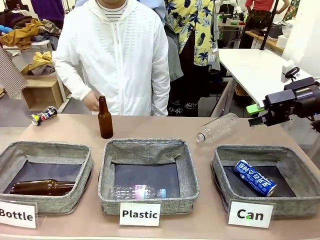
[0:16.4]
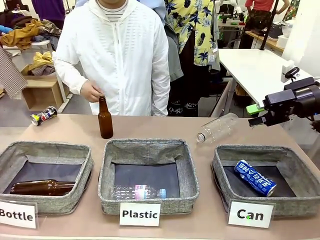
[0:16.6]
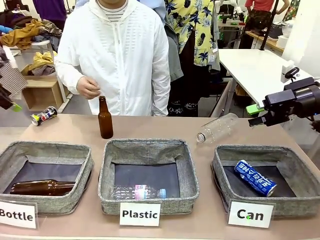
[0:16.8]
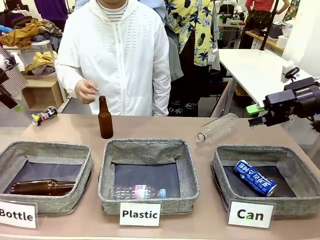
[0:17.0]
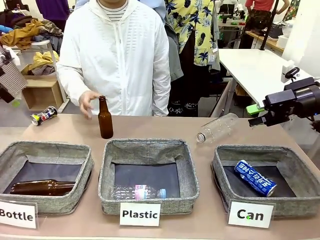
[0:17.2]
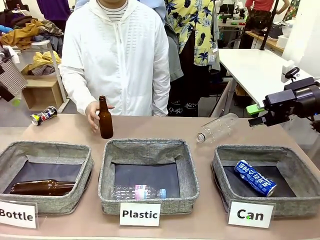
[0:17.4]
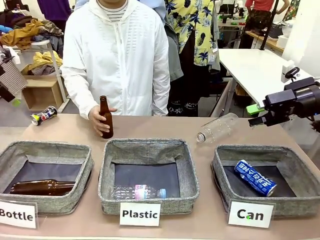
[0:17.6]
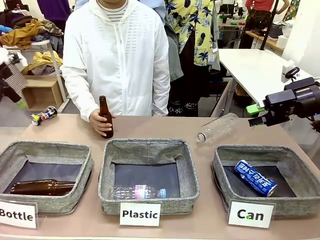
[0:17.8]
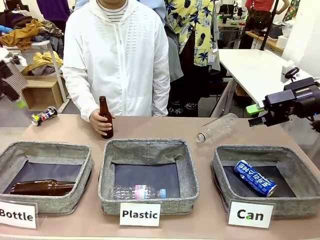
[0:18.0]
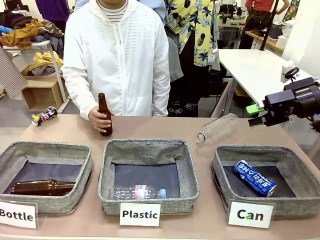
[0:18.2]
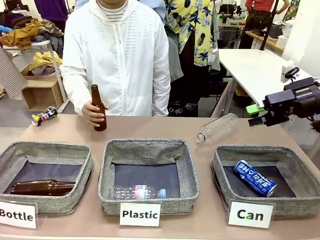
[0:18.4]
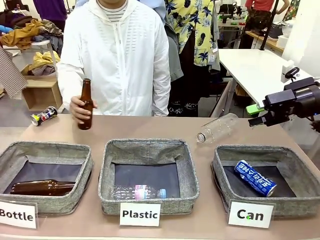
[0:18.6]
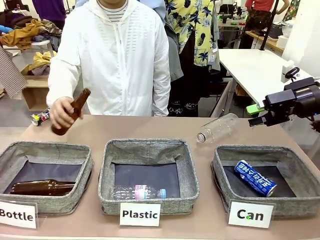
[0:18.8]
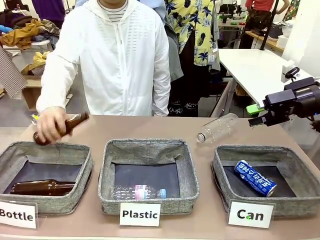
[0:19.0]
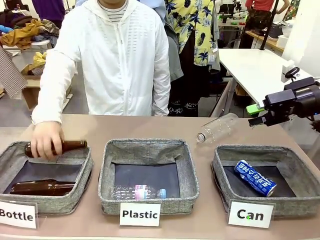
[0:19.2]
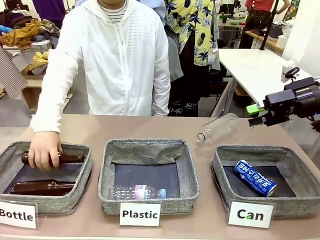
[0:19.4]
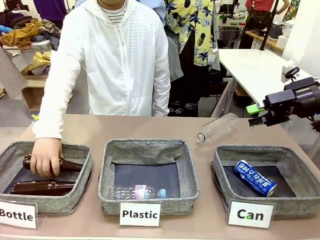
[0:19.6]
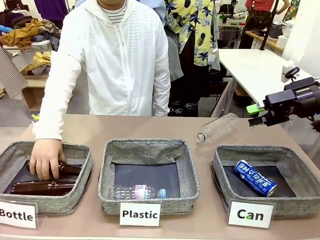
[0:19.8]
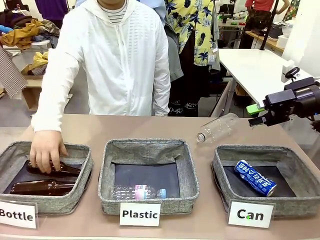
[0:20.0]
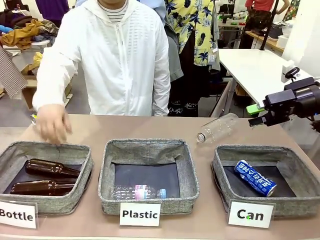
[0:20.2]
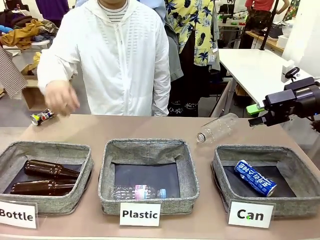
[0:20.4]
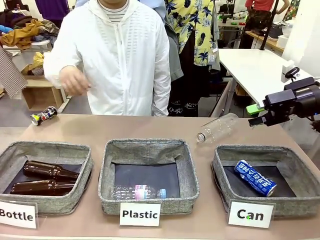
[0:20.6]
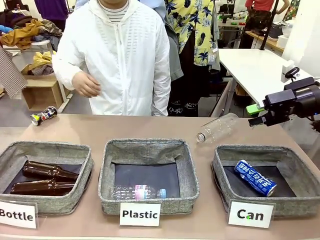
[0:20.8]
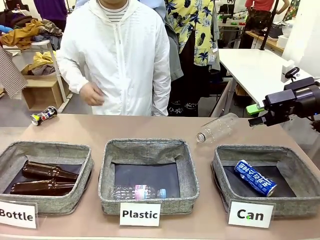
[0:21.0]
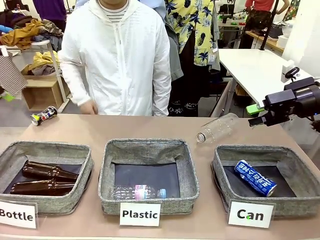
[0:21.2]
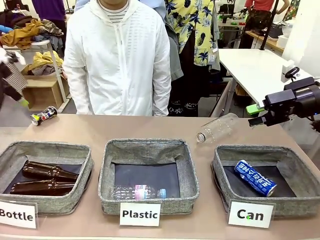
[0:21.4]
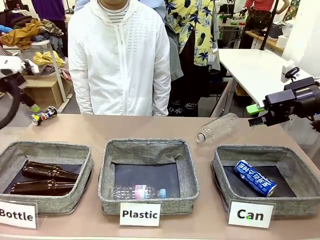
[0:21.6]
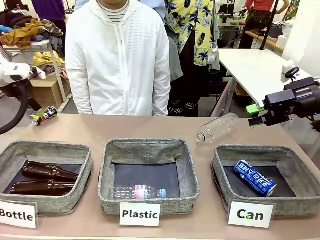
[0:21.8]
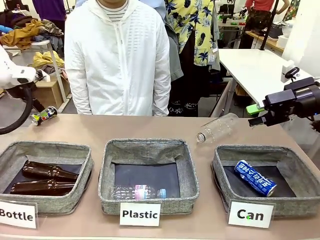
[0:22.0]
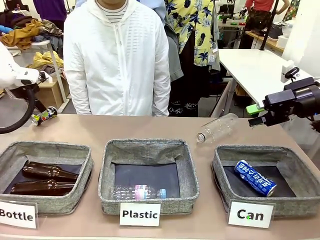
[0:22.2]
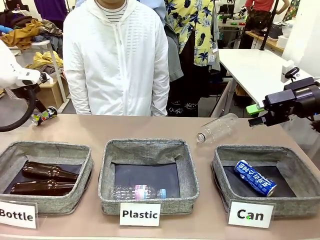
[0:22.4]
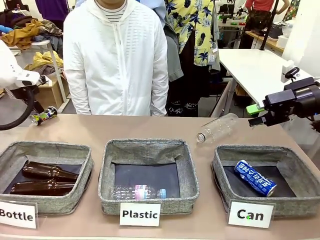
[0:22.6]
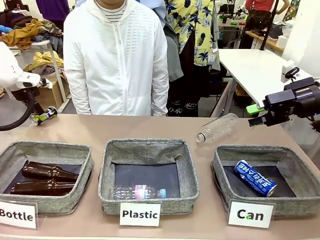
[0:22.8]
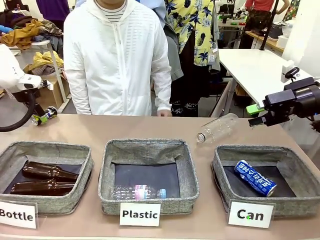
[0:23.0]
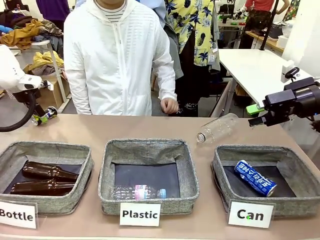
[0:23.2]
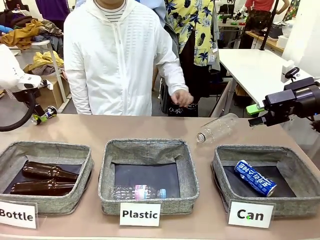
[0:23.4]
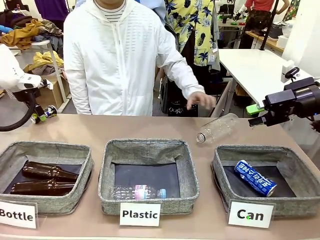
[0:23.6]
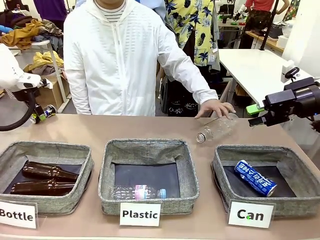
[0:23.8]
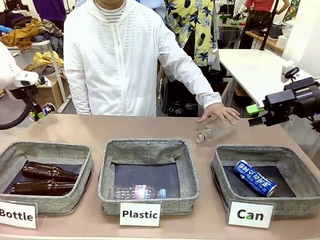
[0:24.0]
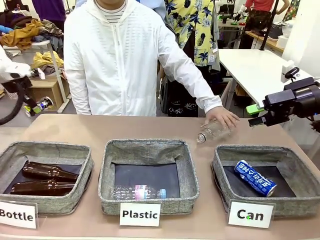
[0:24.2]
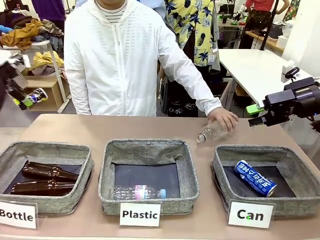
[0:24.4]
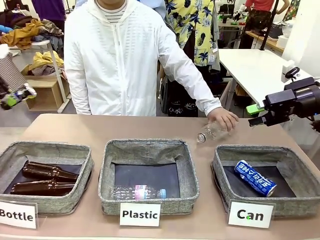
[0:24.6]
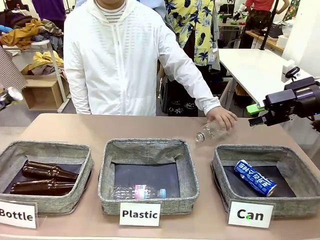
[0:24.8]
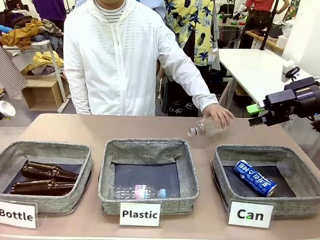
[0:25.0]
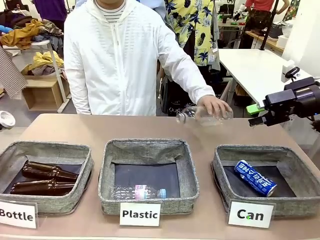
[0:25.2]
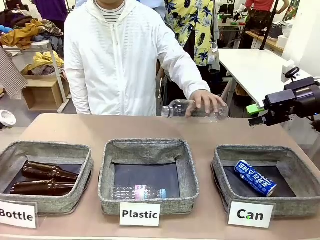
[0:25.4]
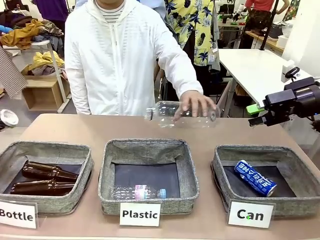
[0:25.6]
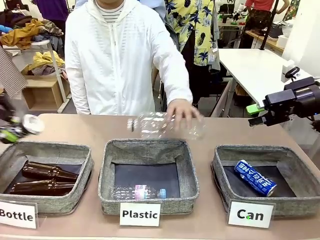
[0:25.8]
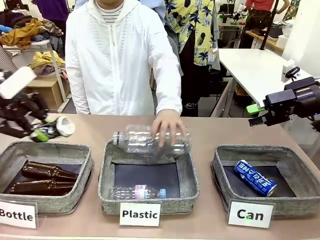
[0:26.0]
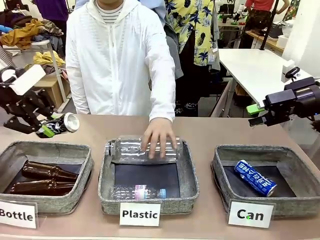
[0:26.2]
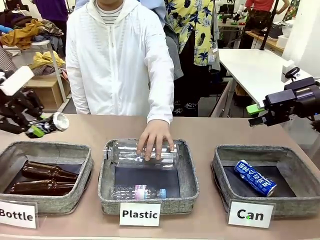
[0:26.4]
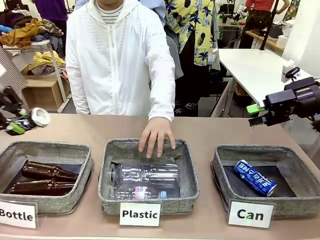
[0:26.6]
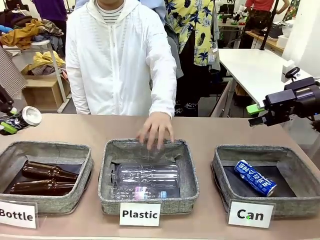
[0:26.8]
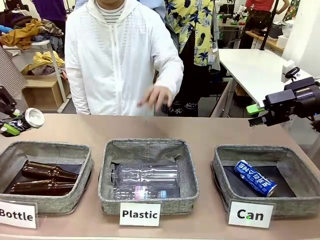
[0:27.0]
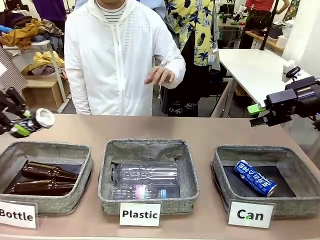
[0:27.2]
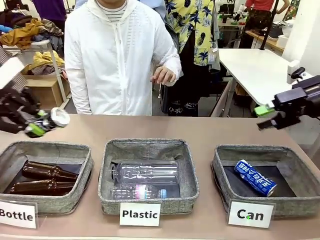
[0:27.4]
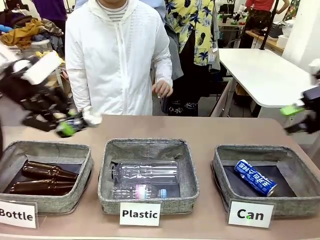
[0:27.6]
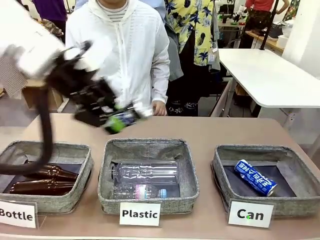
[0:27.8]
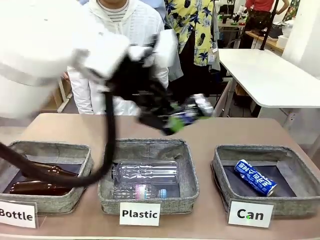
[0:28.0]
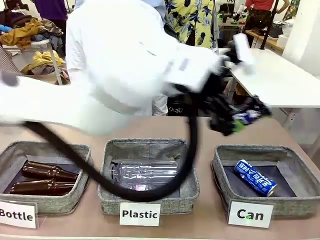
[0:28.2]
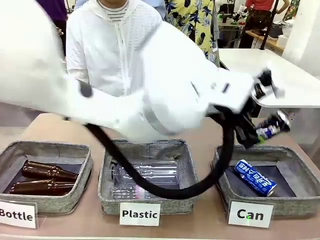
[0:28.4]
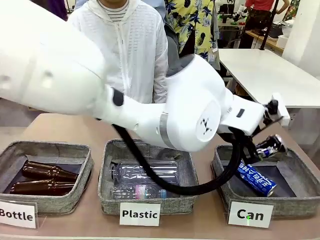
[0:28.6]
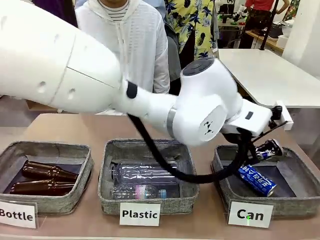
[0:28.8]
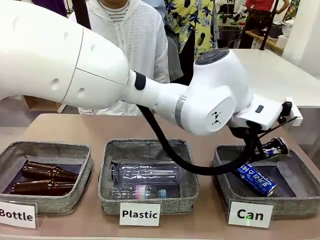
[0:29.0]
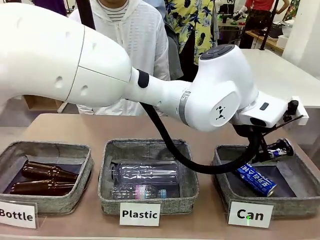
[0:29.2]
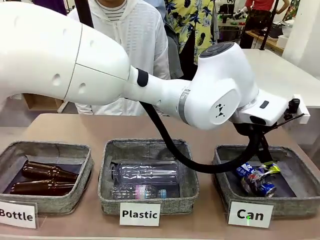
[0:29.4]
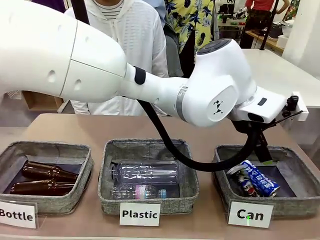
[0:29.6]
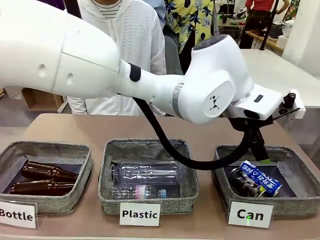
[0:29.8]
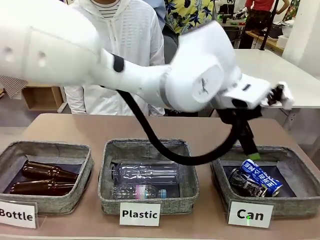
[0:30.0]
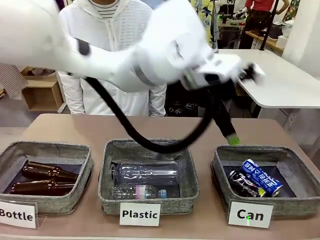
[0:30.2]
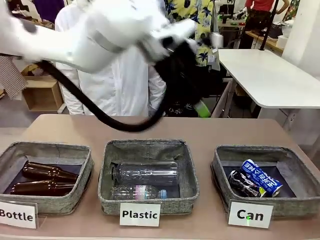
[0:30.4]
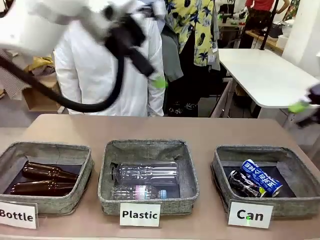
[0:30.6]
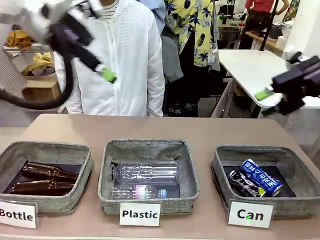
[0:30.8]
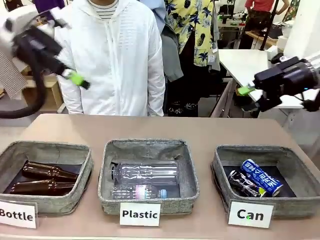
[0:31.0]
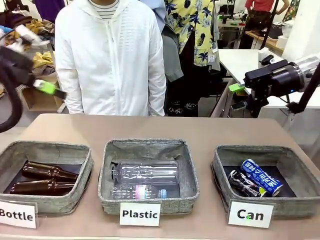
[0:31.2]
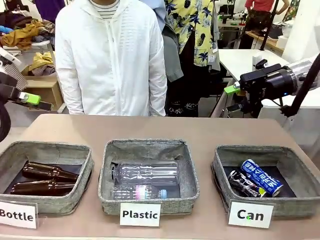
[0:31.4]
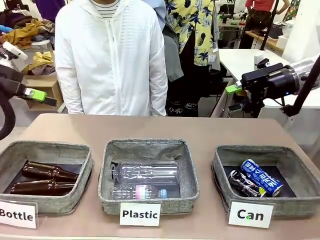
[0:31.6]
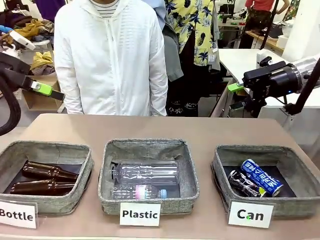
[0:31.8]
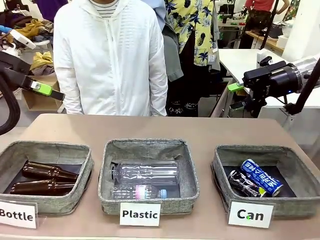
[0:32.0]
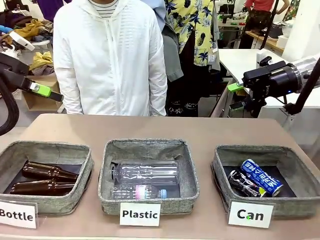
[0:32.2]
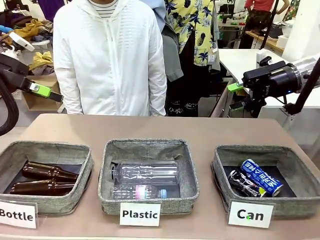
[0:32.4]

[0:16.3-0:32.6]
Task: Sort the can waste into the basket.
Robot: Pick up the can waste from the table and place it in the right Fabric basket.

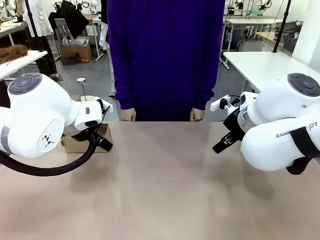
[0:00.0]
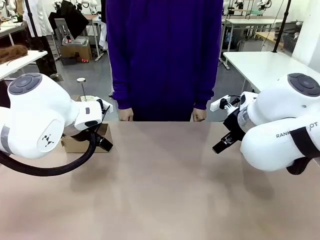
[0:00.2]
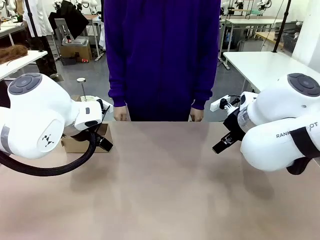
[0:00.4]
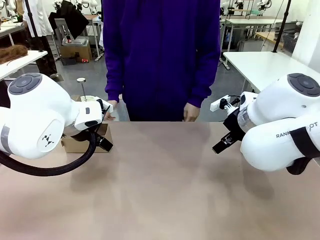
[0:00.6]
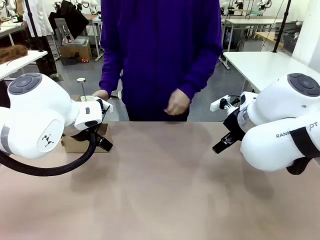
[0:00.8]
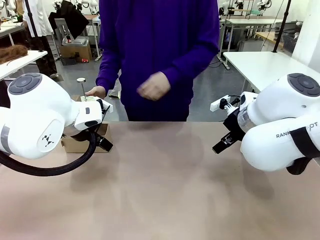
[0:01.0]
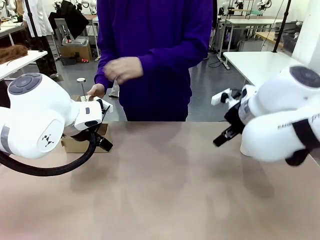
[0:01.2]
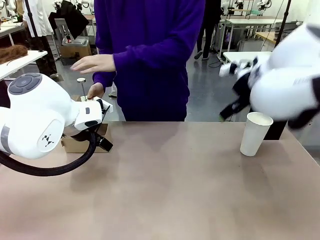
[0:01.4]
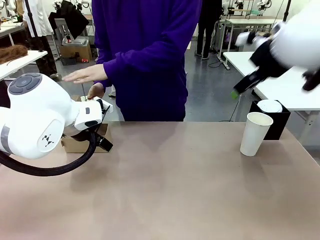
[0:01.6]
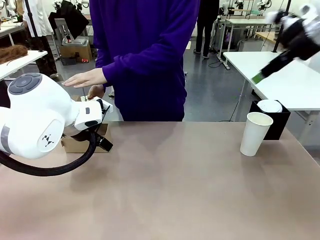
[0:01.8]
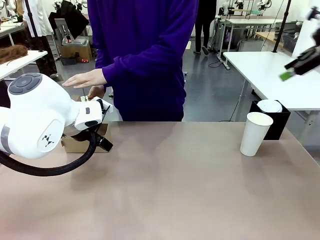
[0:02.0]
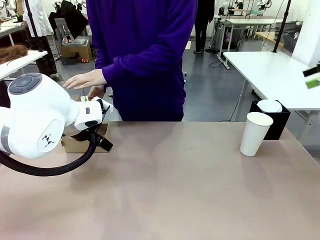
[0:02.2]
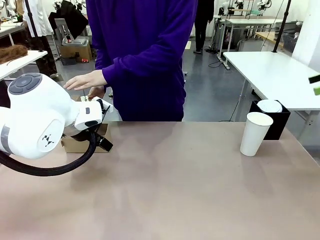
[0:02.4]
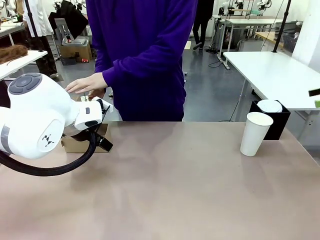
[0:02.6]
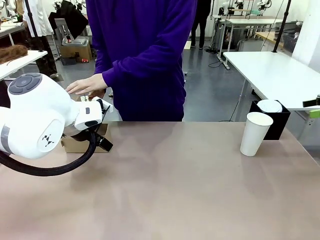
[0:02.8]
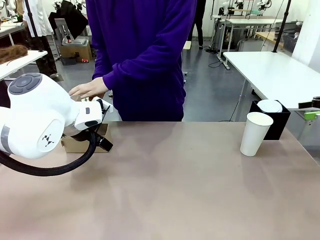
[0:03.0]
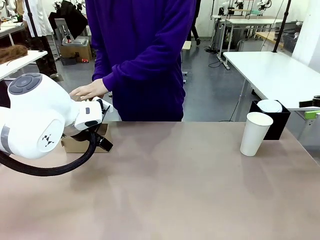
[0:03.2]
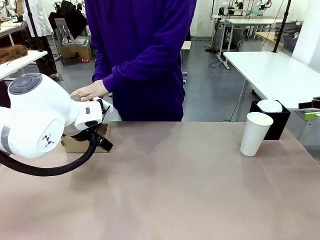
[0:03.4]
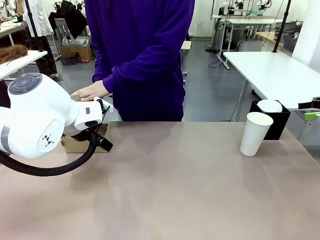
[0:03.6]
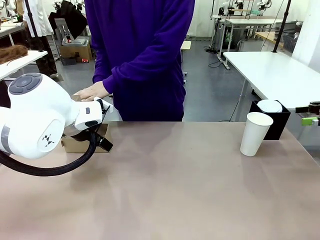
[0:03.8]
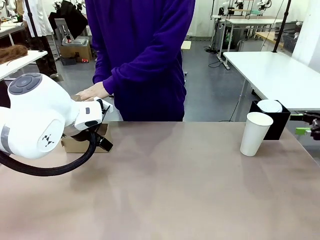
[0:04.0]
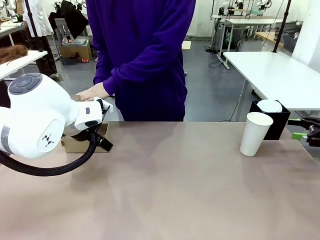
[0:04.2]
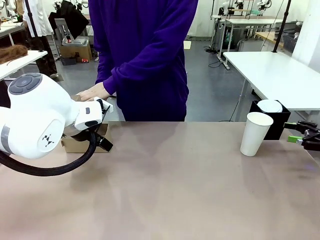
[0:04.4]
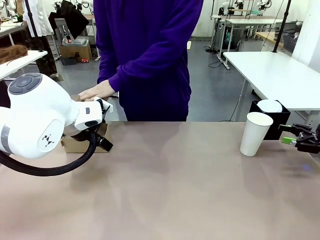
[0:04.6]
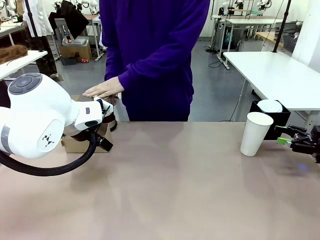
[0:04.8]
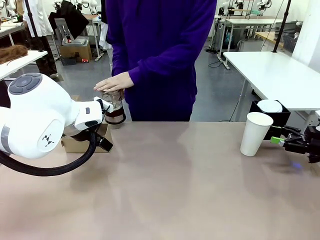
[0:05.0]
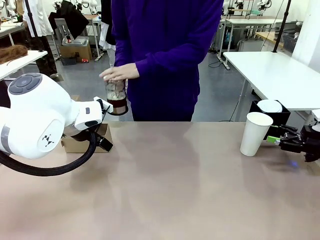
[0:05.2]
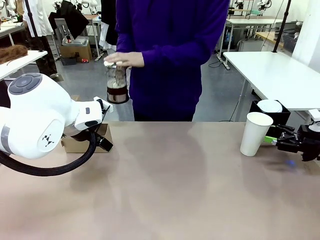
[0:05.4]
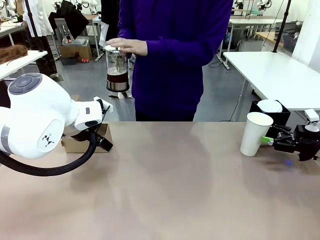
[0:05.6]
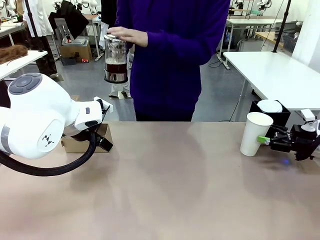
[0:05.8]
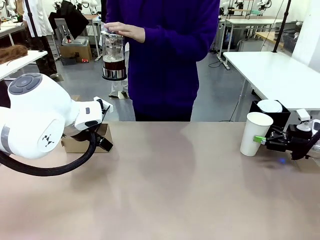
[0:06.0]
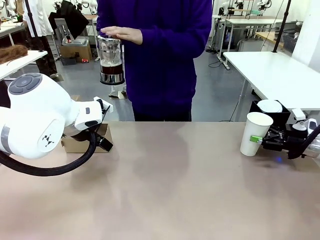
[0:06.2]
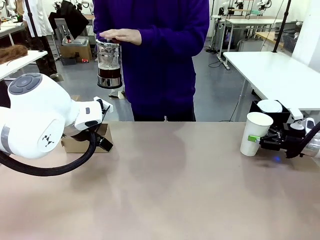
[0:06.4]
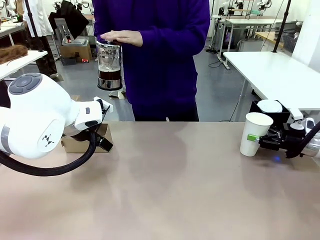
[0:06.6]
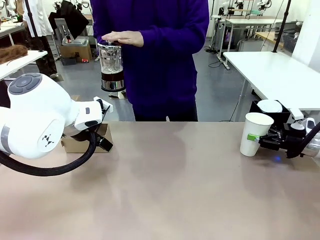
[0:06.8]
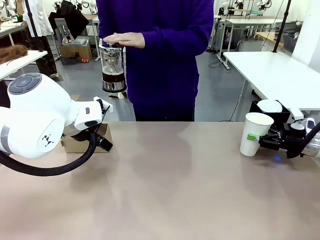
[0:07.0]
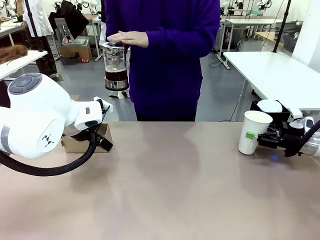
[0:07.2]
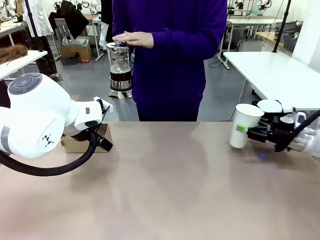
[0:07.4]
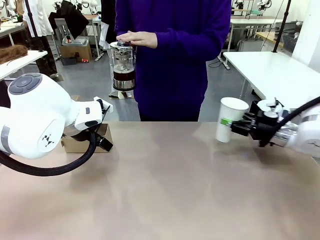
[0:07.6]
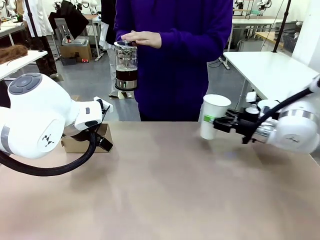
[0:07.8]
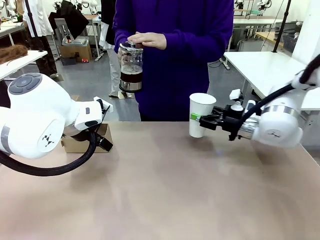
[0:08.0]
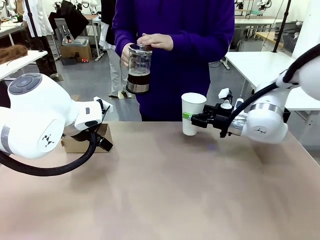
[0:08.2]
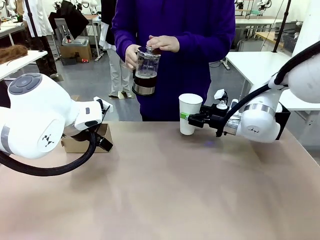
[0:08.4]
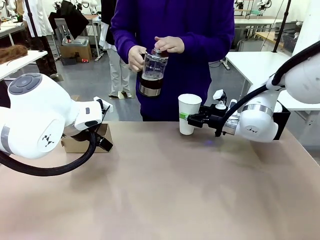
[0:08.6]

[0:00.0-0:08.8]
Task: Pour a drink into a cup and package it in a carrier.
Robot: Pick up the 600 ml Paper Cup and place it in the middle top area of the table.
Person: Press and pick up the Filter Brewing.
